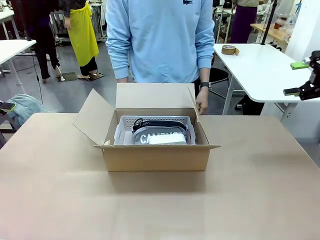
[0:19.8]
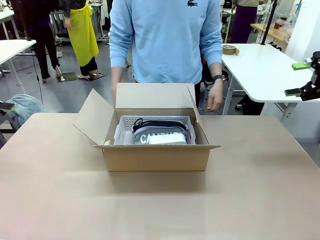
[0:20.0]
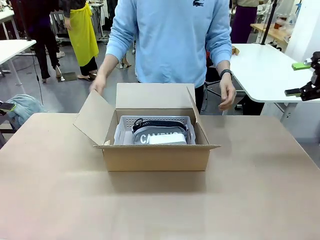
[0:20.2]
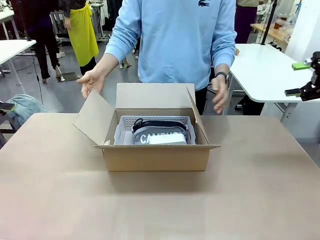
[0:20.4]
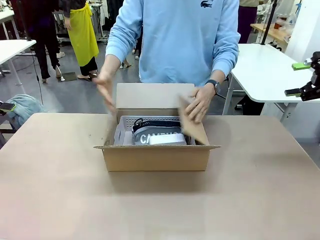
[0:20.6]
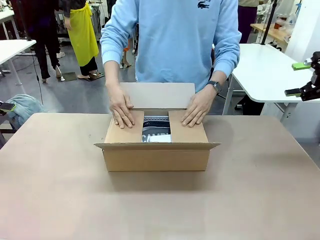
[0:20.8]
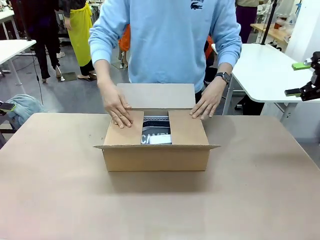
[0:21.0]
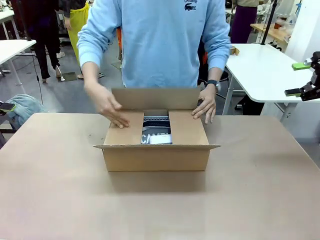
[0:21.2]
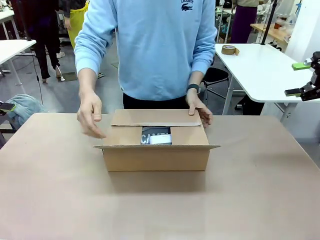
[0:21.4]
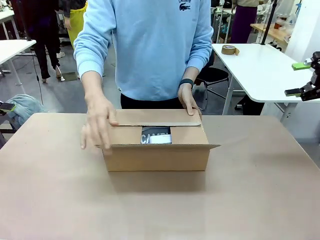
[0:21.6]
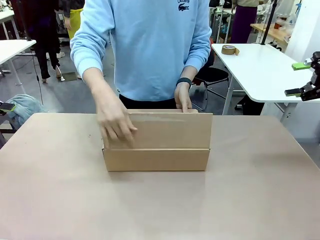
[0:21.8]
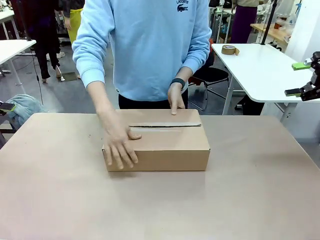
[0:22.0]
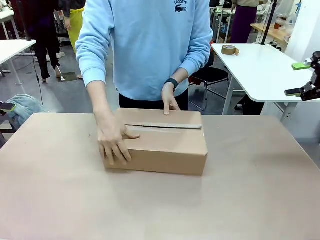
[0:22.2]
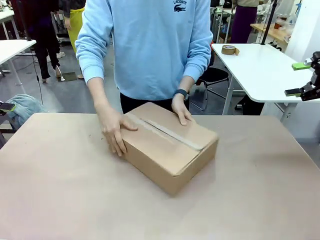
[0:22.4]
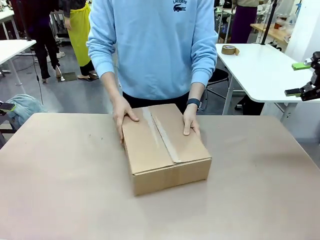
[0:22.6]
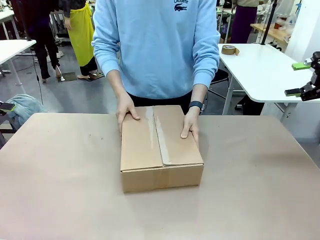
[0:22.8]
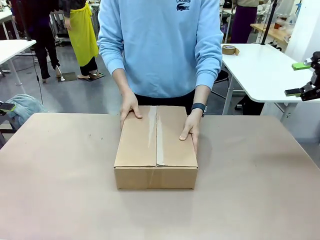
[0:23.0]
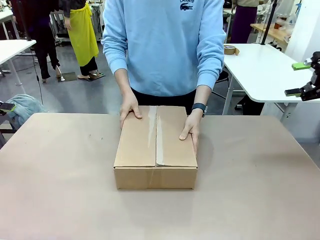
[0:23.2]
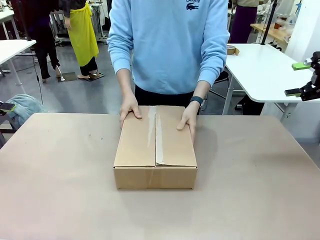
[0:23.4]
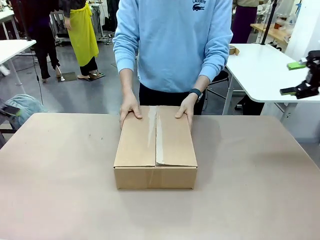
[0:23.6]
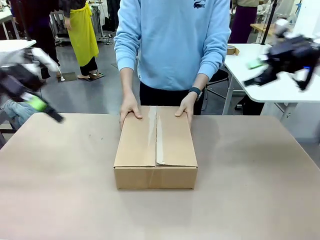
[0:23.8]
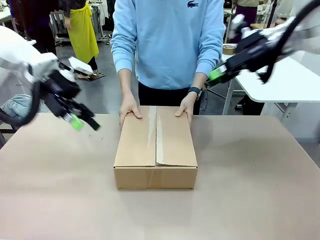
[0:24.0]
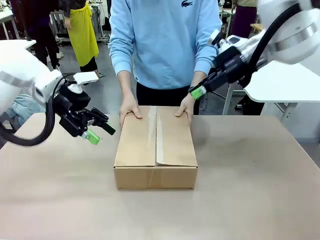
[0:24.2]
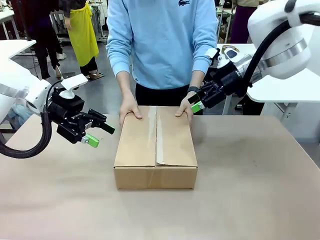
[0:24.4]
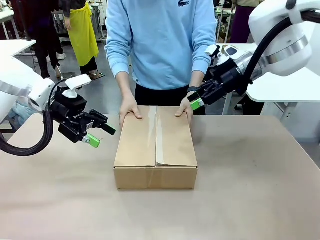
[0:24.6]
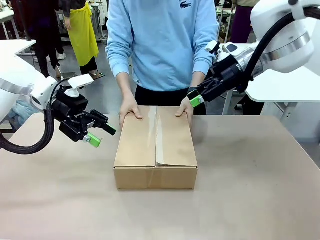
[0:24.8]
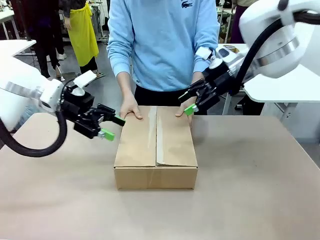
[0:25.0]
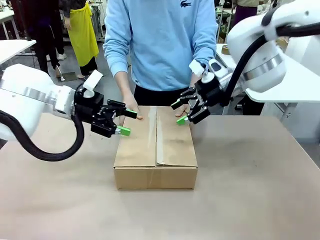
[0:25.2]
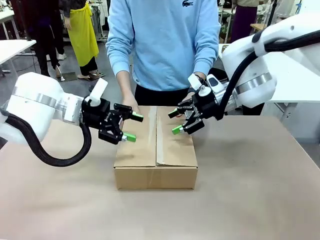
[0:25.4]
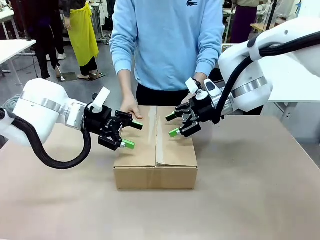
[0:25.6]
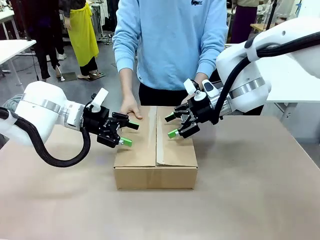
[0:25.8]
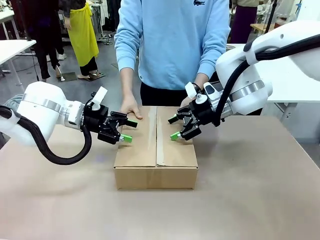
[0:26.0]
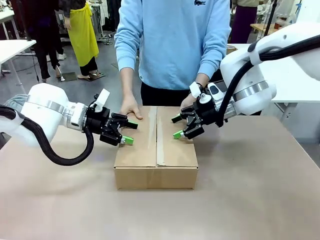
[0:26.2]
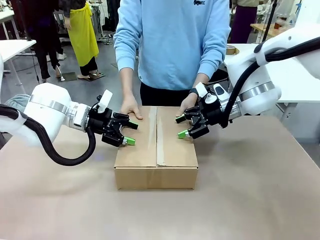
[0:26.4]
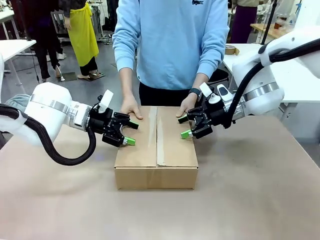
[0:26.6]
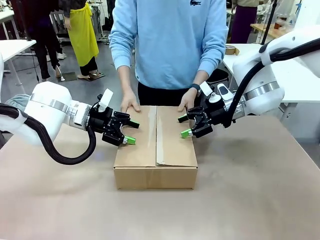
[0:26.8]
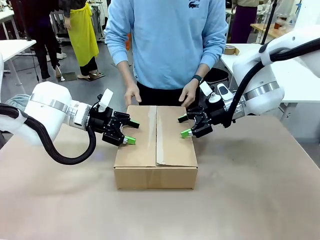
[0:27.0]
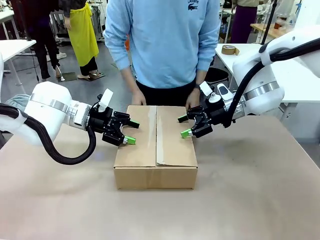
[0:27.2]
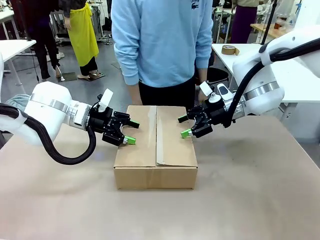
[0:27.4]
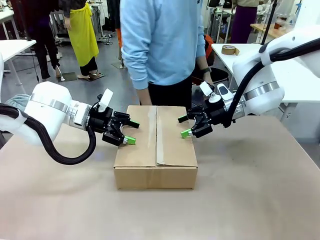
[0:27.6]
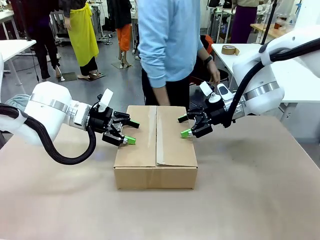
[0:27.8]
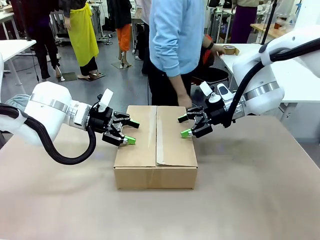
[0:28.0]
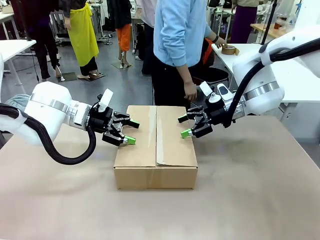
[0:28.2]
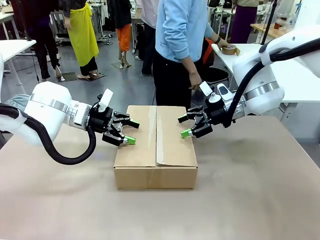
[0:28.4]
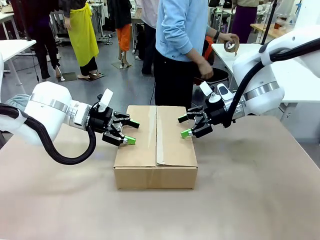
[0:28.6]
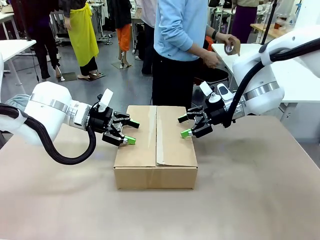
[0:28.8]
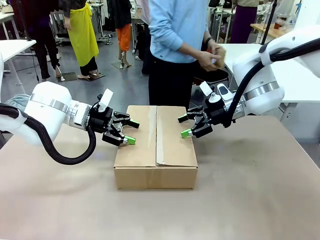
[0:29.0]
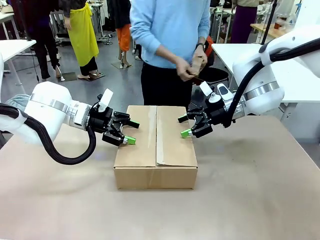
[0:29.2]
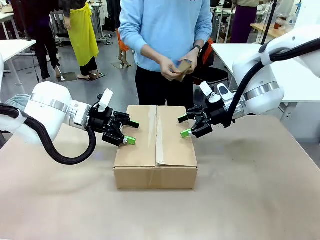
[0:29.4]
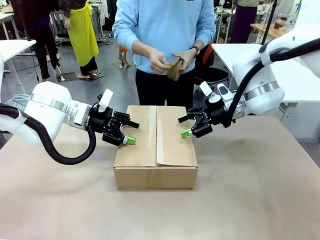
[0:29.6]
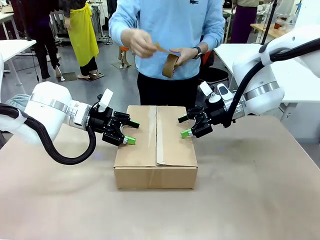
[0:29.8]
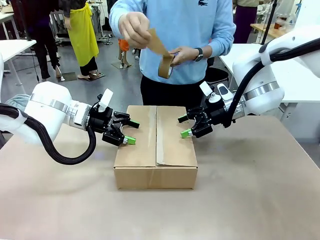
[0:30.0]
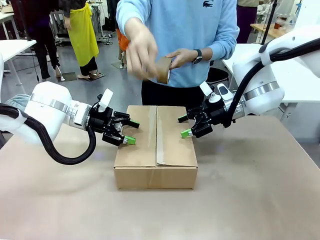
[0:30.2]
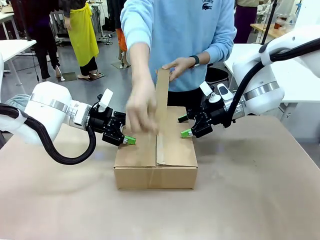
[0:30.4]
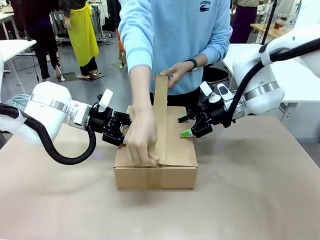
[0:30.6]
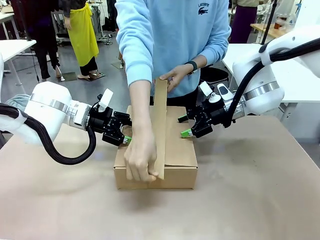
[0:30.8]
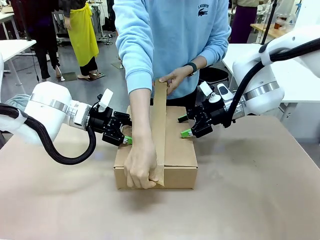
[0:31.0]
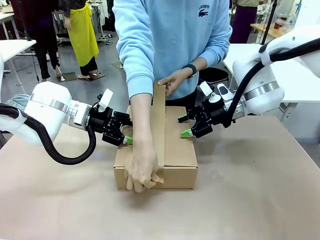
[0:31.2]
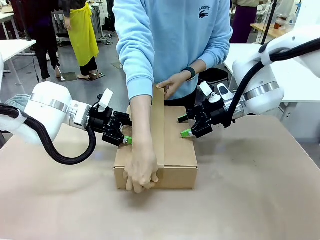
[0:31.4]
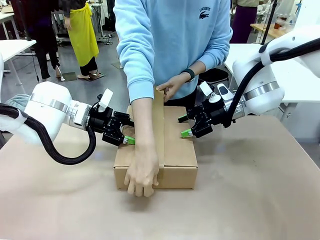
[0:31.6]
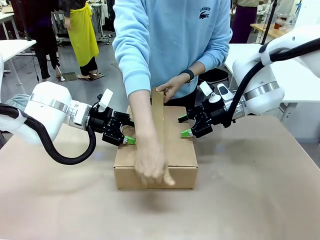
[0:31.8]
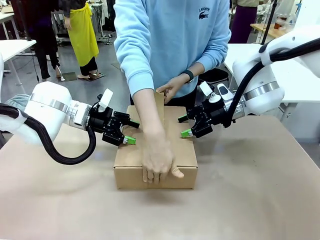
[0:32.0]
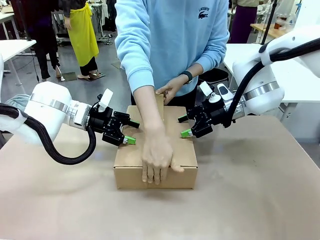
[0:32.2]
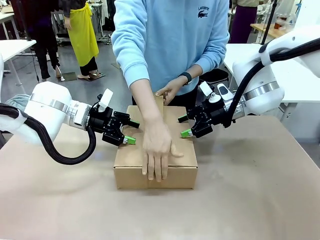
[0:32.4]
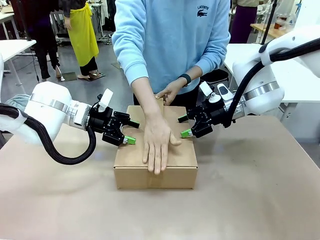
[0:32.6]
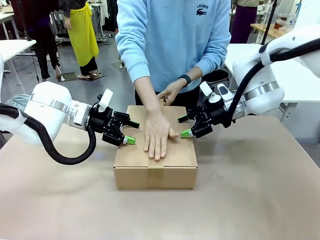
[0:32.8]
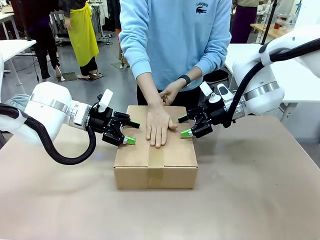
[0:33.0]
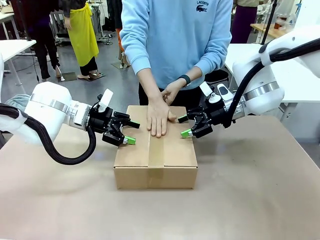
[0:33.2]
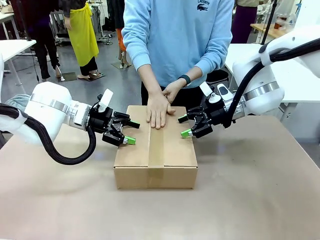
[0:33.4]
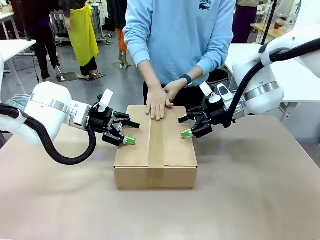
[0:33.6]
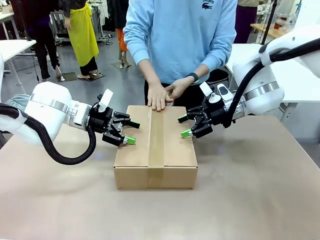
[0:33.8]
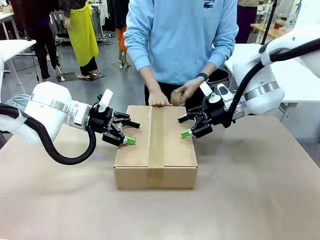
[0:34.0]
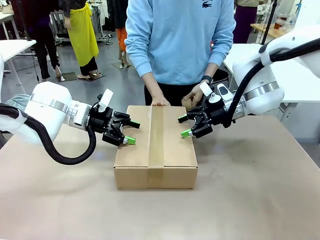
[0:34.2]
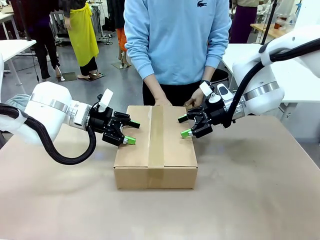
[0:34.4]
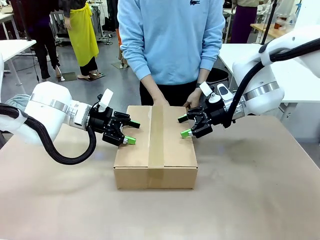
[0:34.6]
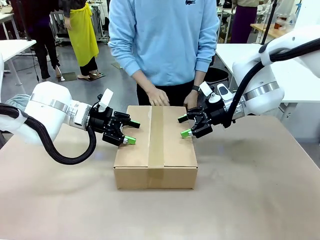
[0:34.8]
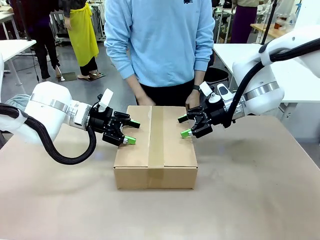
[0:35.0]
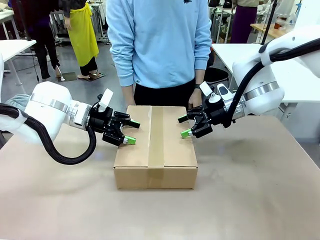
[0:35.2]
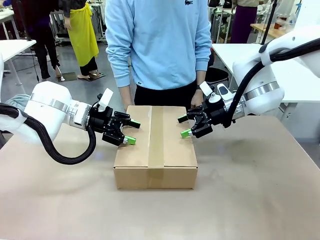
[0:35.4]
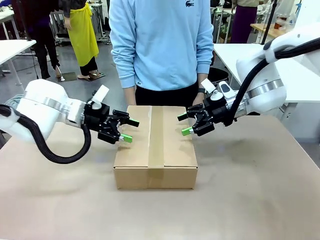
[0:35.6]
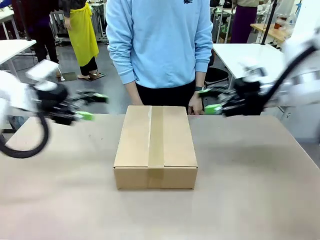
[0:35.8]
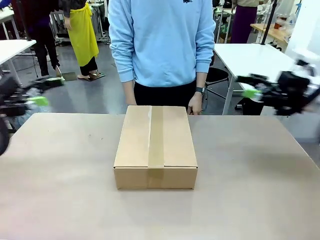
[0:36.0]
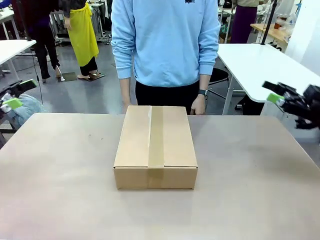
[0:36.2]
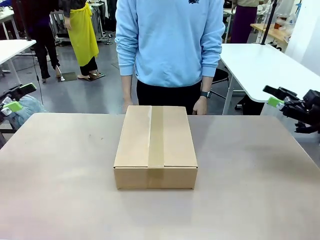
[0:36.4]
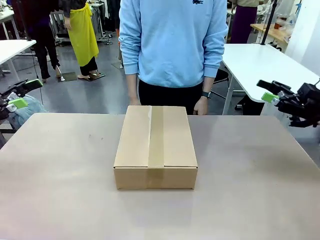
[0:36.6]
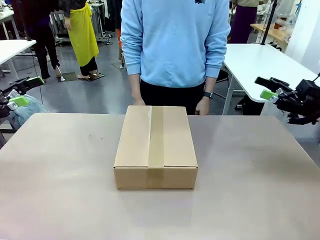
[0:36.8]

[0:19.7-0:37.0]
Task: Pack the gift set into the box.
Robot: Press and hold the closed box until the human finishes sealing it.
Person: The human closes the box and rotates the box by 90 degrees. The human picks up the paper tape from the human table and packs the box.

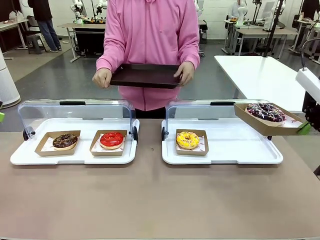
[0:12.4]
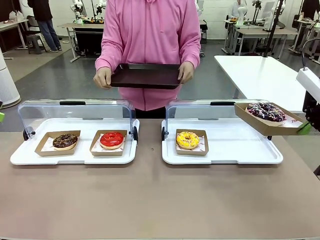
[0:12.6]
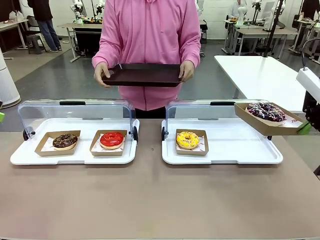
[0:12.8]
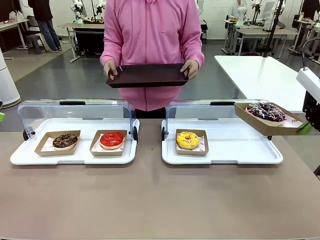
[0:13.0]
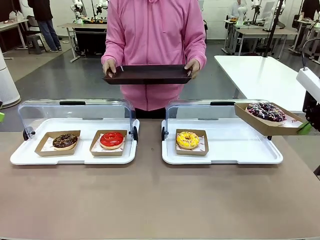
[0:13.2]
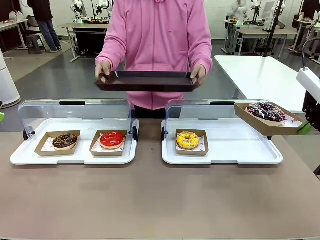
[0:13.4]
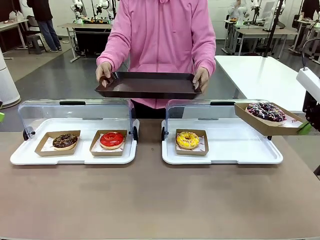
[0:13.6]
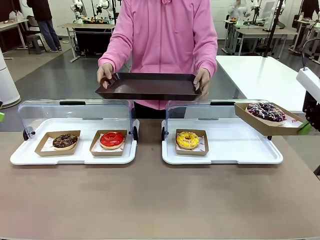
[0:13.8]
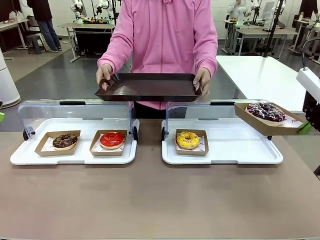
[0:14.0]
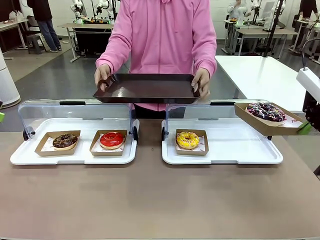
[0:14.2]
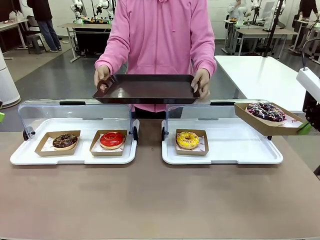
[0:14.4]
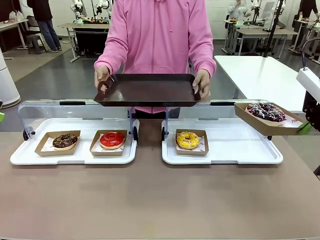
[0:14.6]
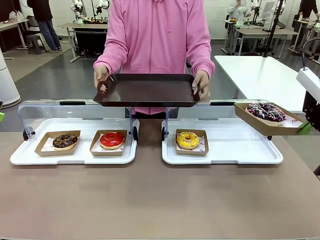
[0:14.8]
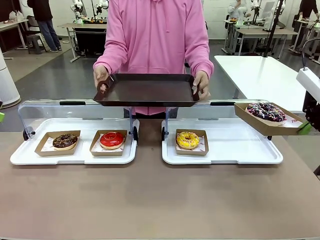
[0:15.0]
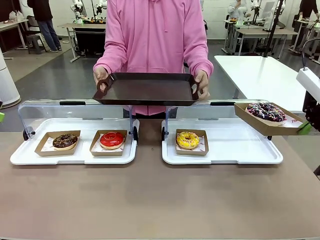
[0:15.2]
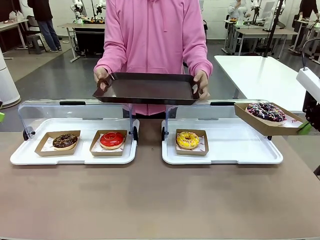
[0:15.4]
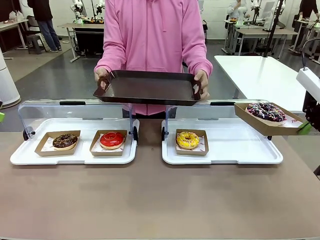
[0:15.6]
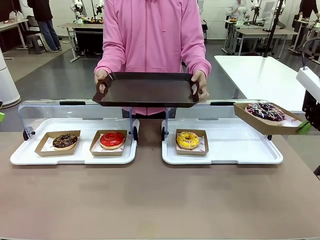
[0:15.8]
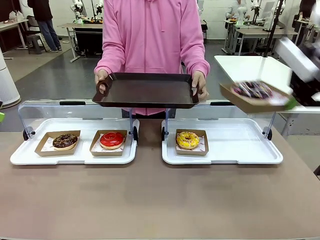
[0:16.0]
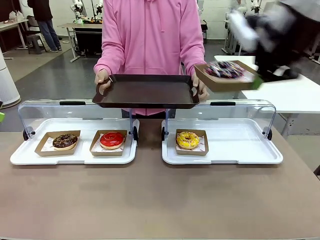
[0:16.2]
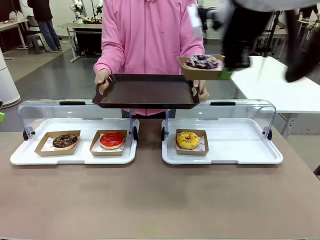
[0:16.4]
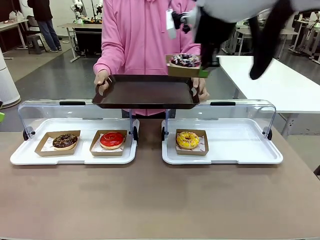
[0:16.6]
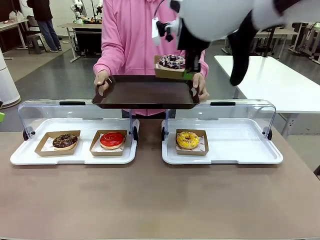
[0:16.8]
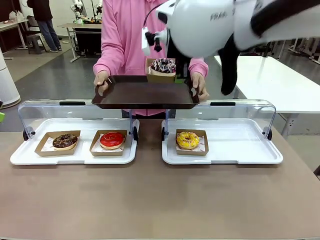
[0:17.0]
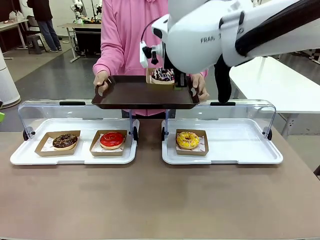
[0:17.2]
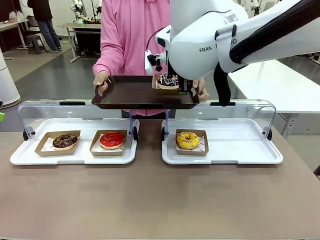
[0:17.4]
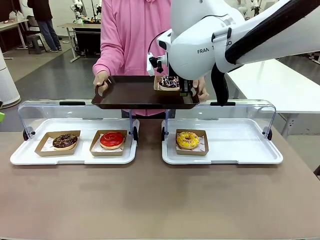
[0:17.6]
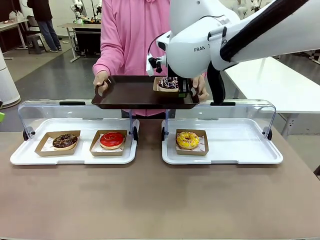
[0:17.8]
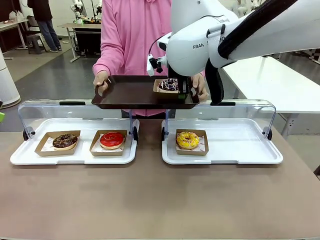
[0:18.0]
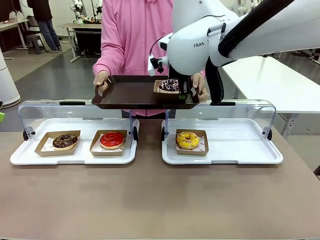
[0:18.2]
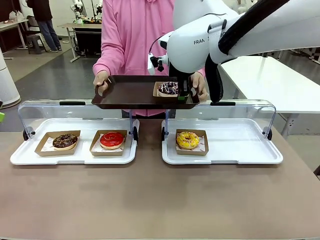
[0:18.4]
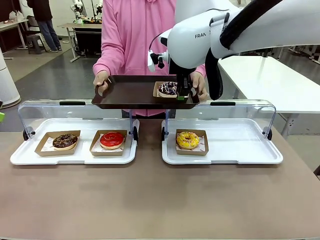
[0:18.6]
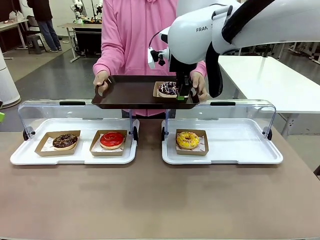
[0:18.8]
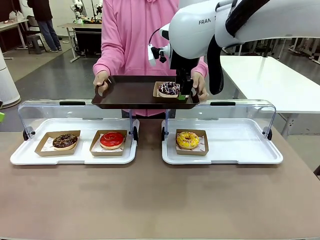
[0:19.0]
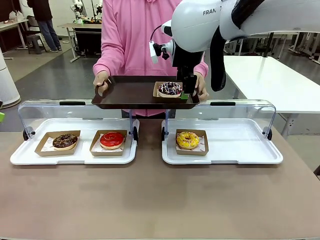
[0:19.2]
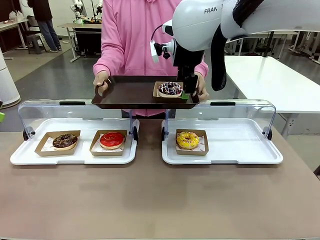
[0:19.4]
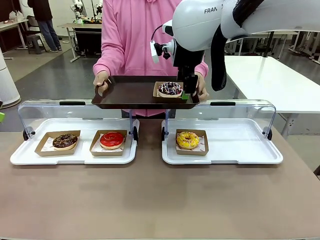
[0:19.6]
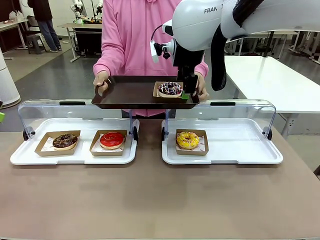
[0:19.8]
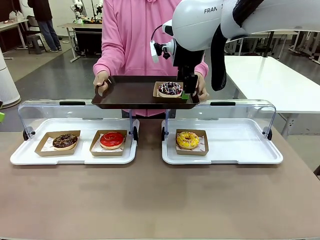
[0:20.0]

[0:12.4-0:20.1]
Task: Provide the desired donut to the person.
Robot: Place the picked Paper togo box onto the Handle tray extended by the person.
Person: Point to one donut.
